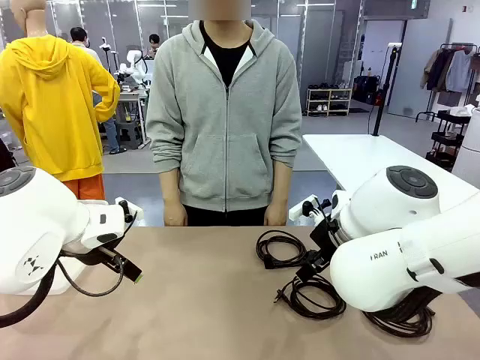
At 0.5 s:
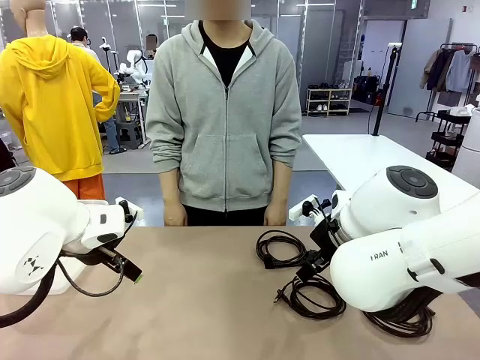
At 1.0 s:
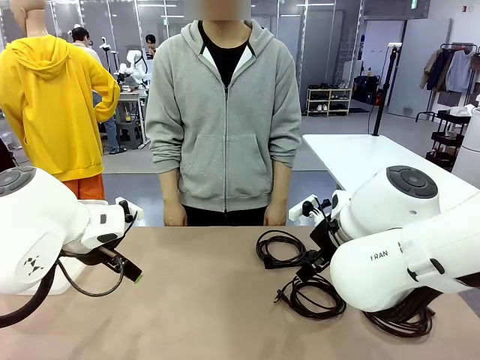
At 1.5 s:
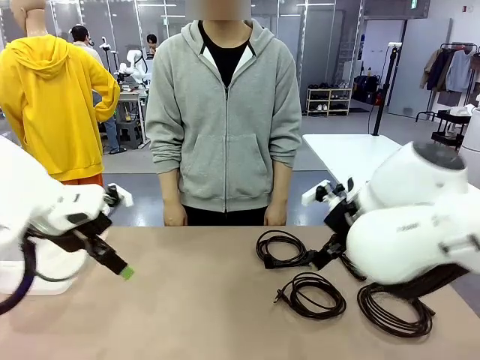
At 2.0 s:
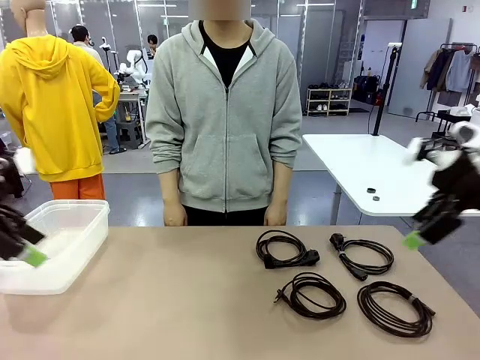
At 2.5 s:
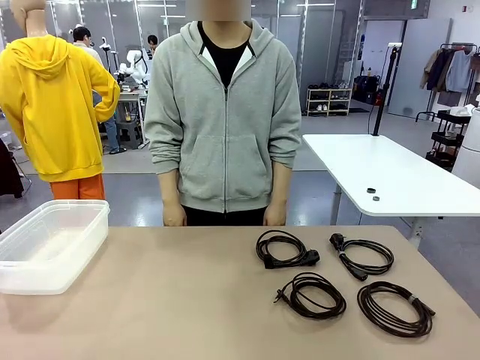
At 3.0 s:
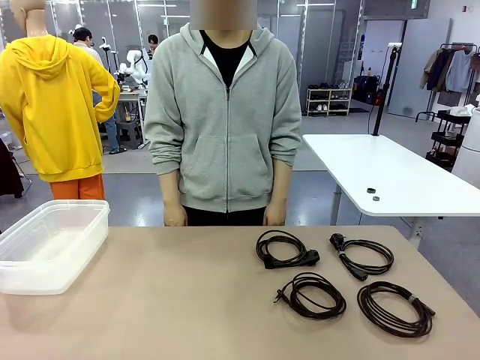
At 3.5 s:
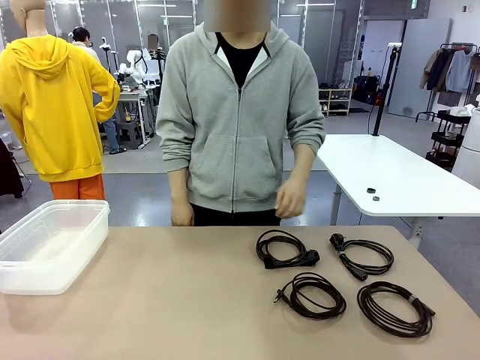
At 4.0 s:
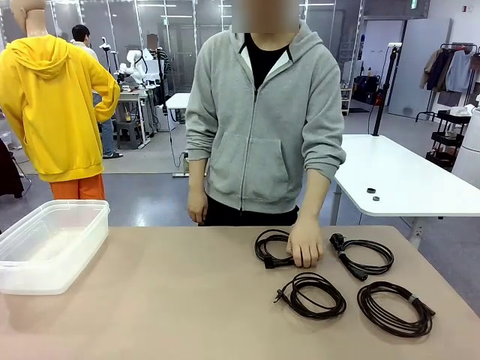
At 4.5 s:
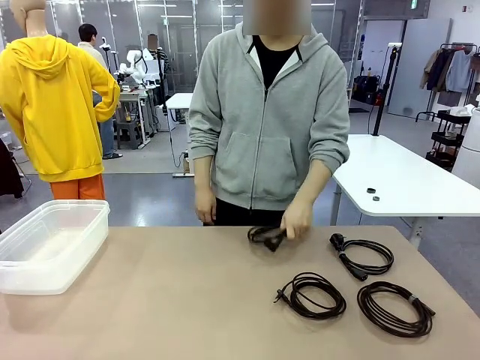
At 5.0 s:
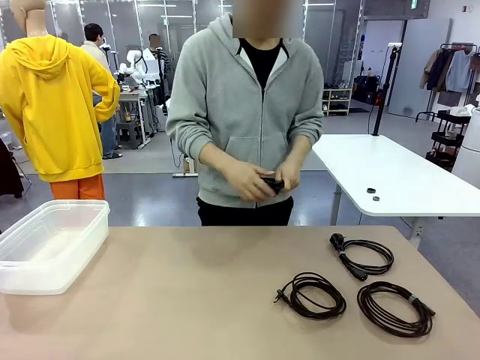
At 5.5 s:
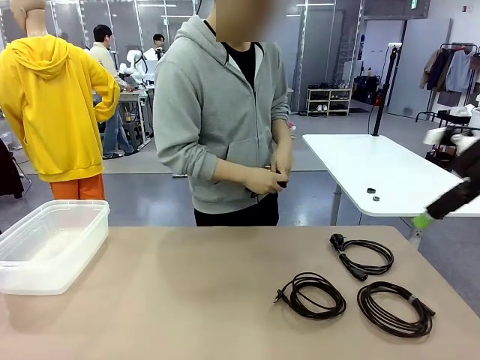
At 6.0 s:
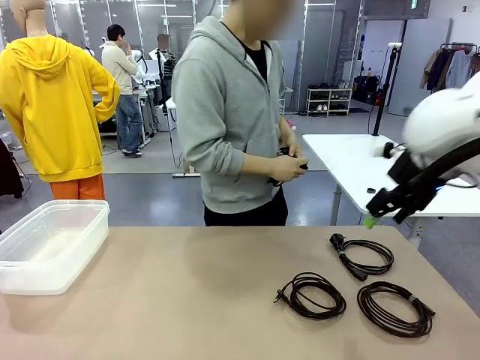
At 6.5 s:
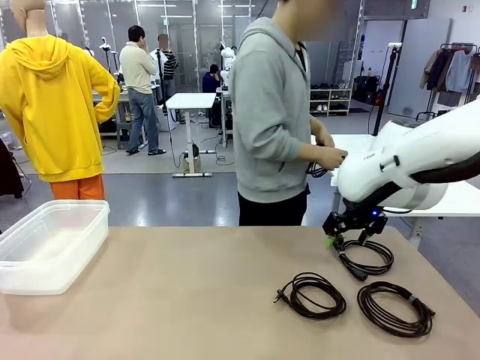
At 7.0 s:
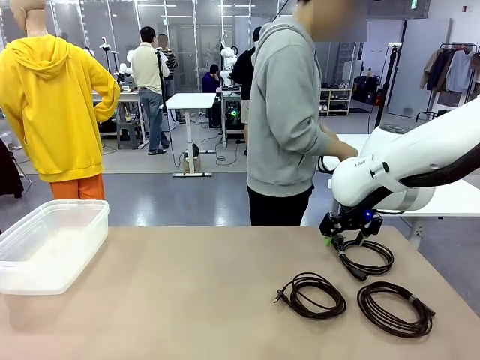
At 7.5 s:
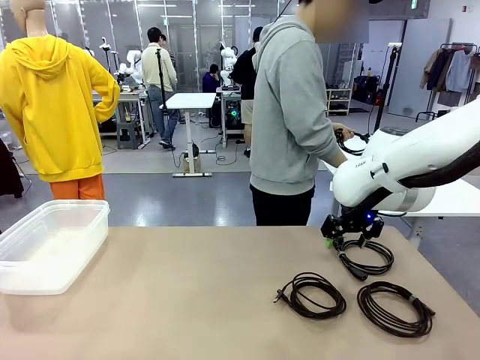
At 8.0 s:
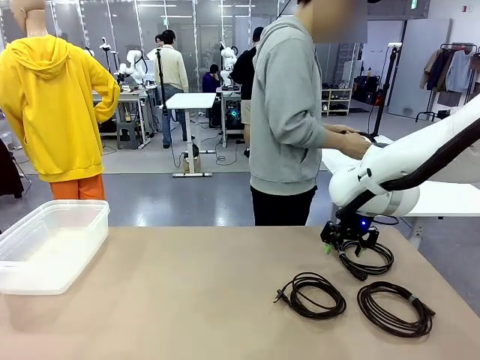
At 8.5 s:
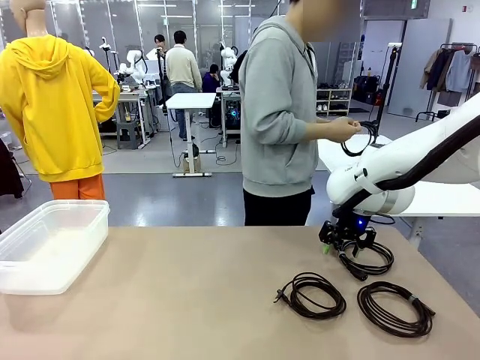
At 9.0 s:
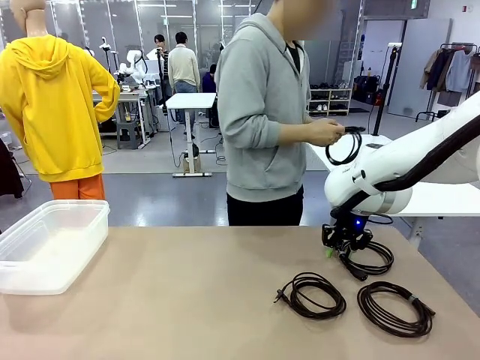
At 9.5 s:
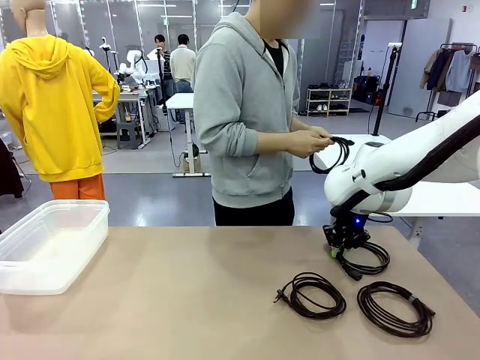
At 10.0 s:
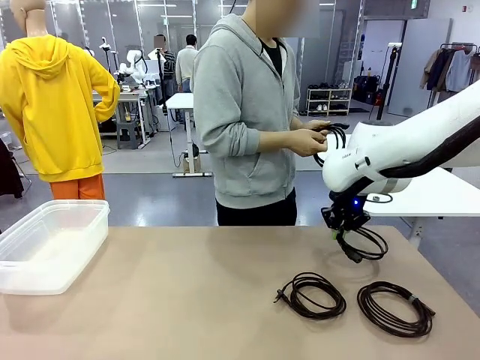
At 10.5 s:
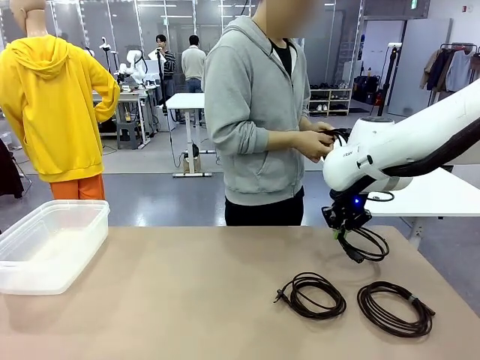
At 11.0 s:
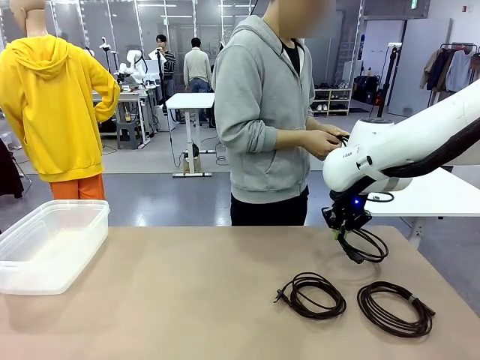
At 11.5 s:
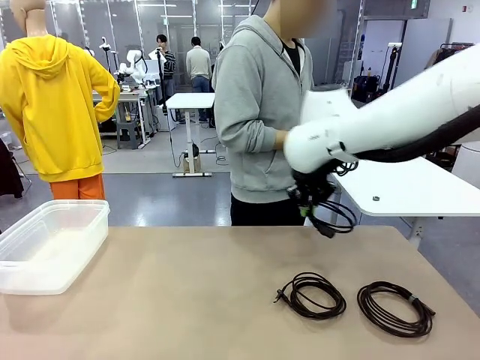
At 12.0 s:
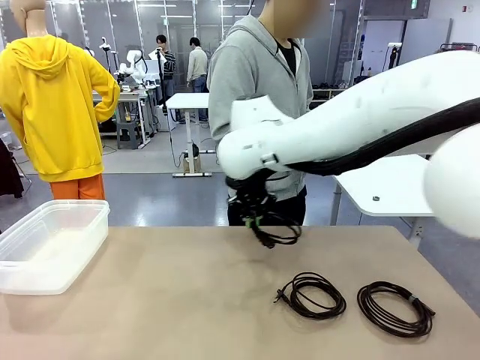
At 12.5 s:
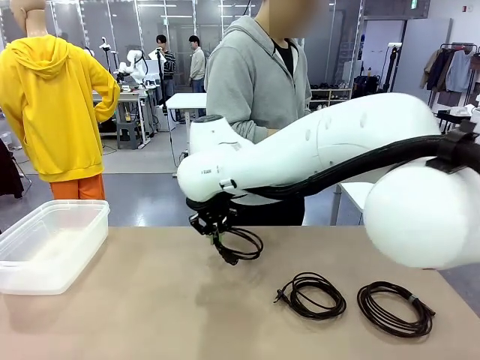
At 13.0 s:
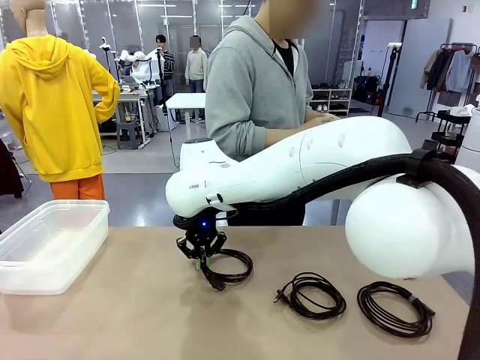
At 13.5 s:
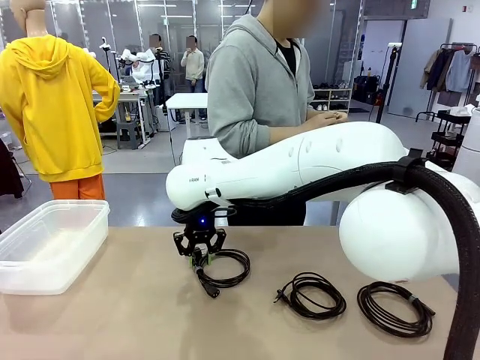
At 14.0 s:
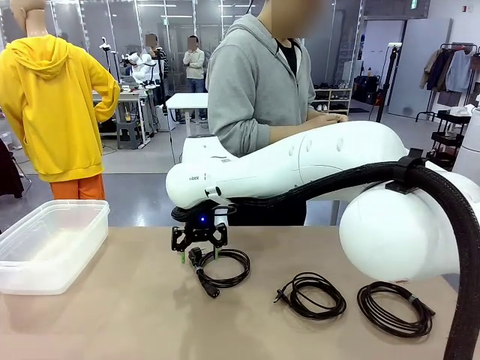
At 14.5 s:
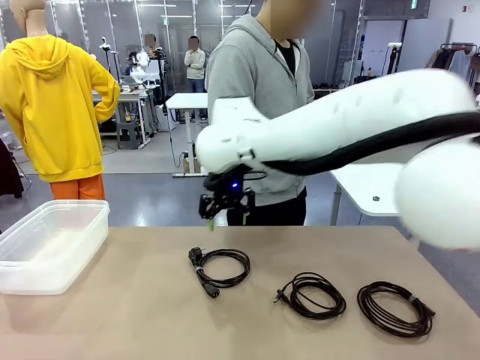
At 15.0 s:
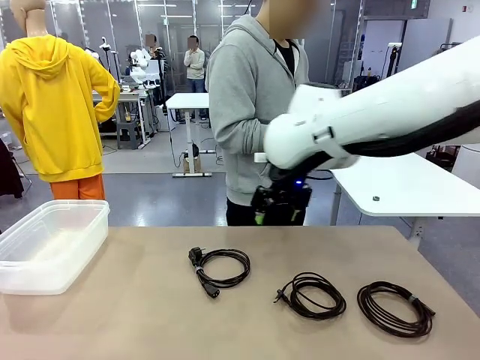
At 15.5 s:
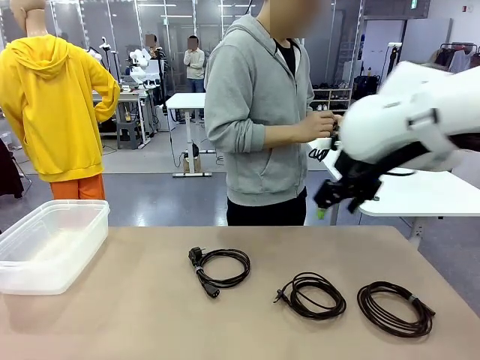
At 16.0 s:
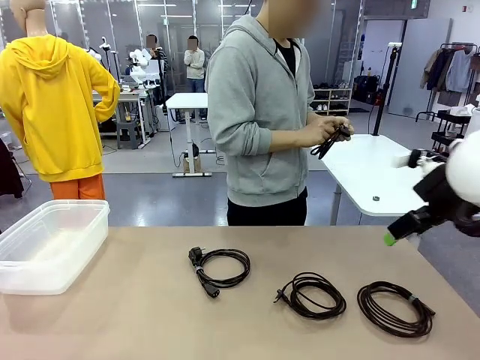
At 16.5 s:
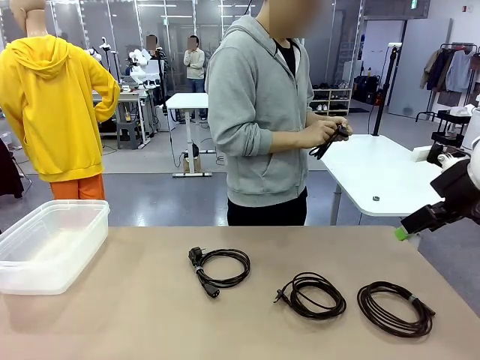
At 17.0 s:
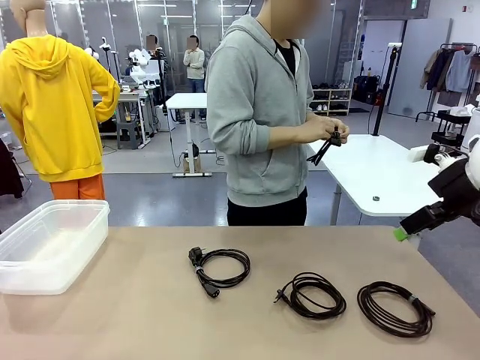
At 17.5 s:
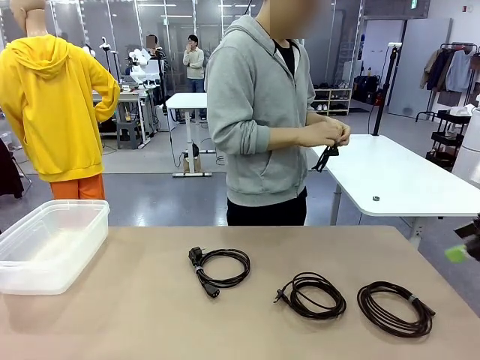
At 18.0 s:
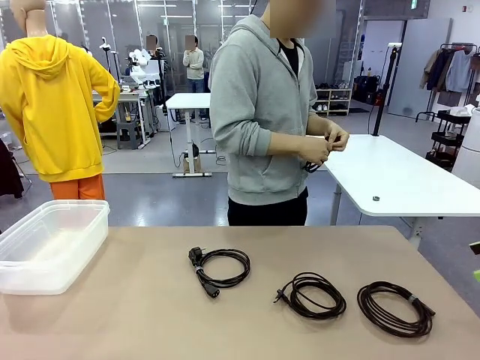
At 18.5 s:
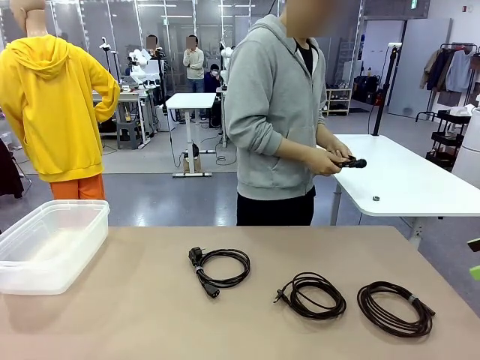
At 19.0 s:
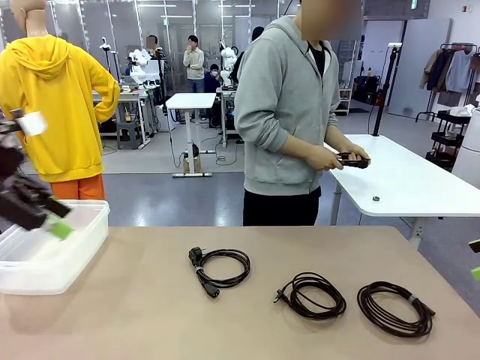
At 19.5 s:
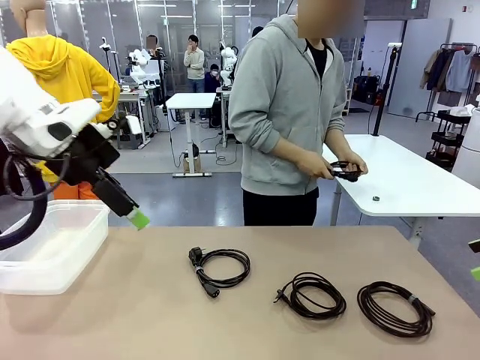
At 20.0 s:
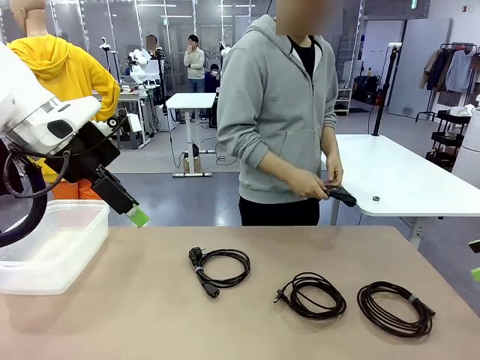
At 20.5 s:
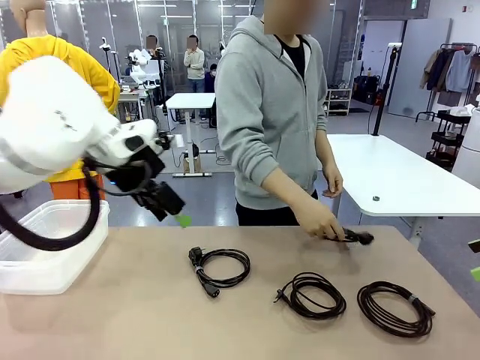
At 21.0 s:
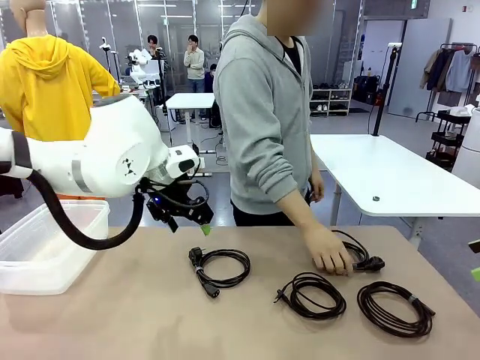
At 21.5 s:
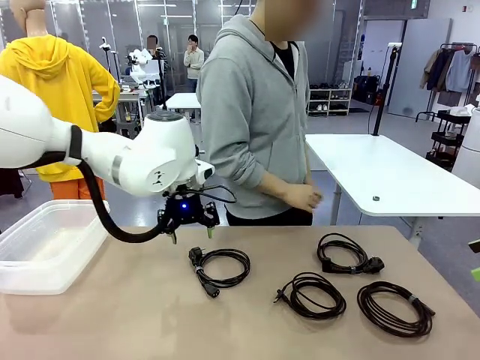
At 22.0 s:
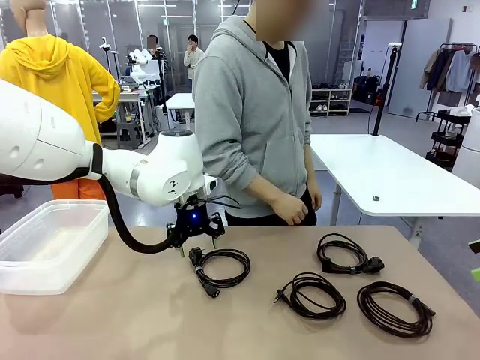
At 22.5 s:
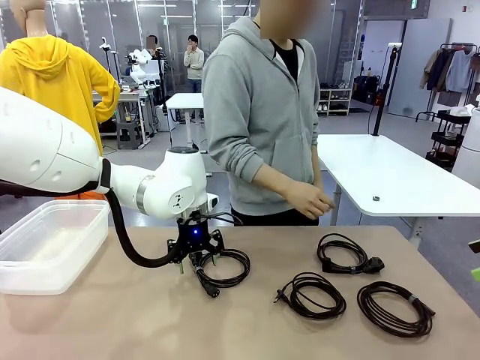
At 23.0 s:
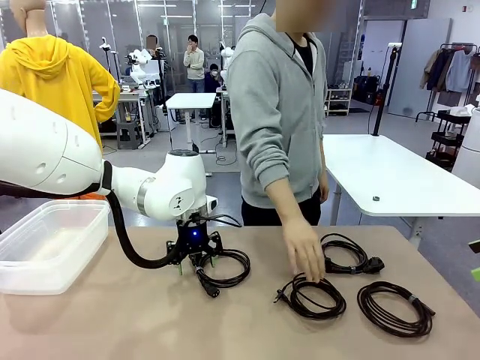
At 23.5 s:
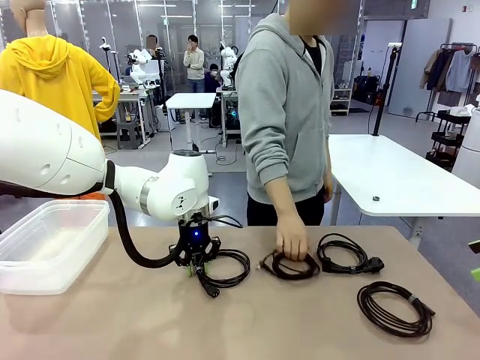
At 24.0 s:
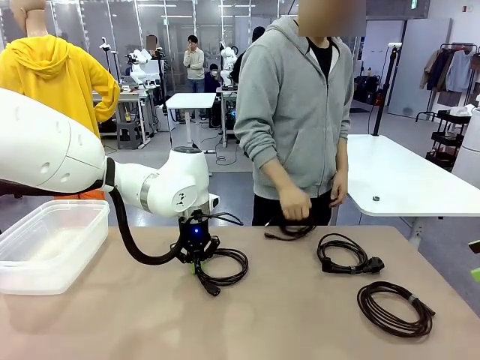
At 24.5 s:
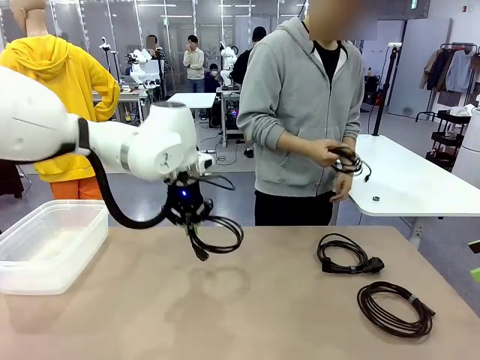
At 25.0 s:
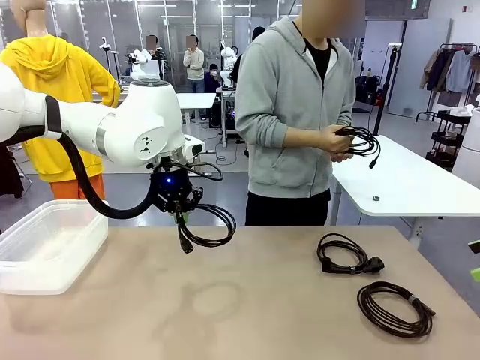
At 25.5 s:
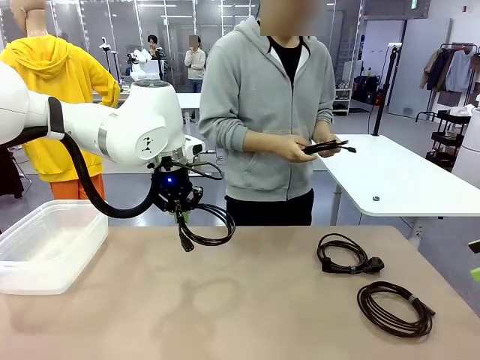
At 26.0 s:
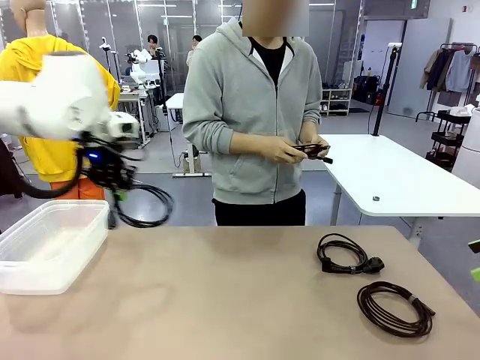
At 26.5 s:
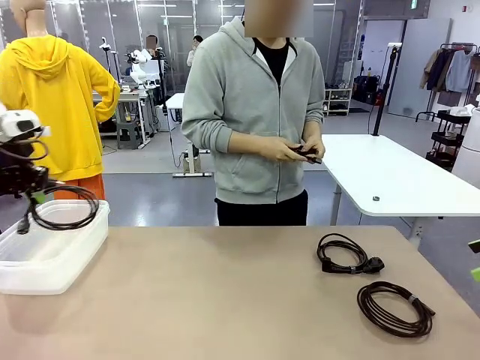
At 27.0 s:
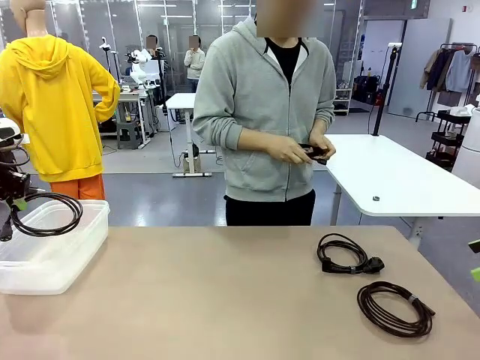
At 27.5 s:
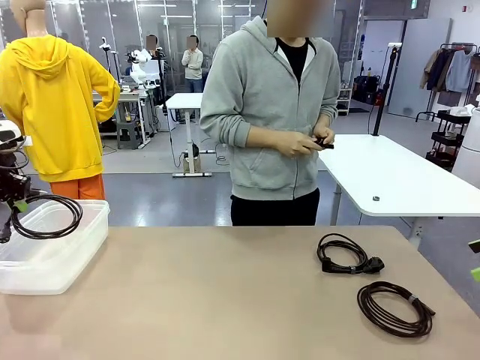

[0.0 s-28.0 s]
Task: Organize and store the cables.
Robot: Place the Power Cable into the Organizing box.
Person: Tie one Power Cable with a Reusable Cable Tie.
